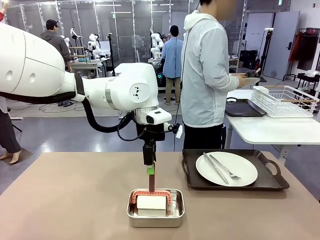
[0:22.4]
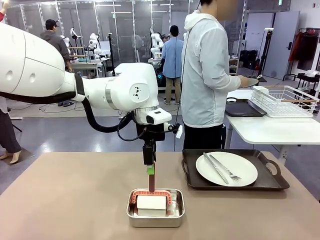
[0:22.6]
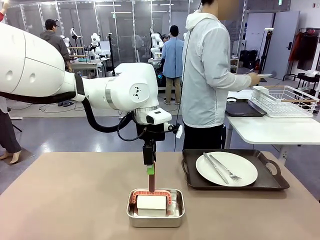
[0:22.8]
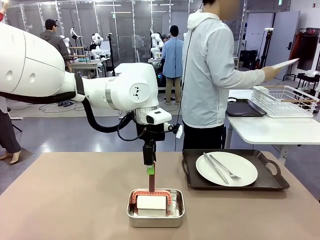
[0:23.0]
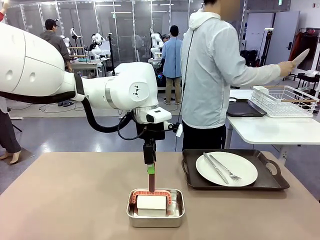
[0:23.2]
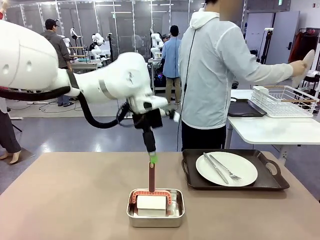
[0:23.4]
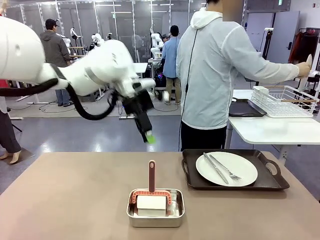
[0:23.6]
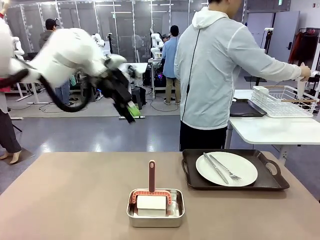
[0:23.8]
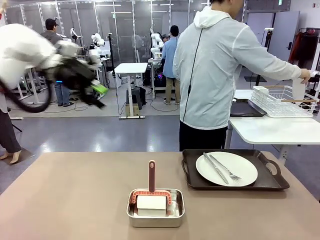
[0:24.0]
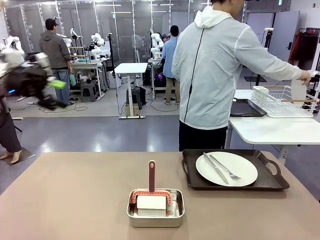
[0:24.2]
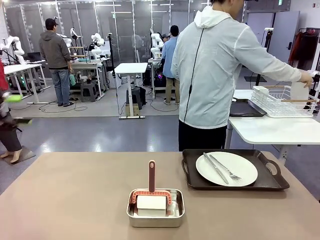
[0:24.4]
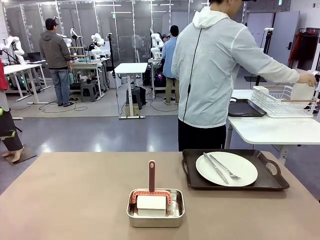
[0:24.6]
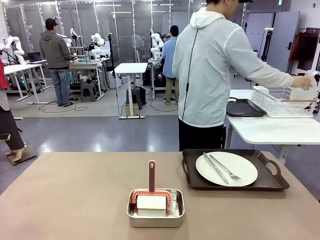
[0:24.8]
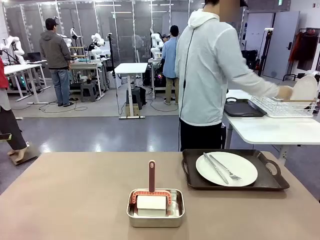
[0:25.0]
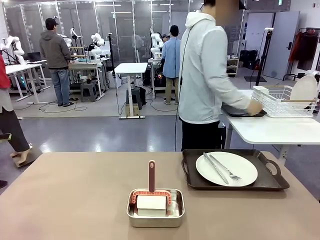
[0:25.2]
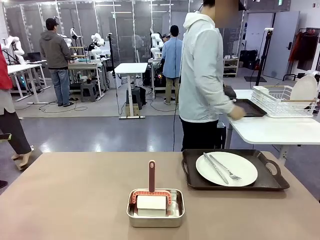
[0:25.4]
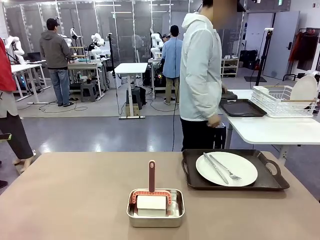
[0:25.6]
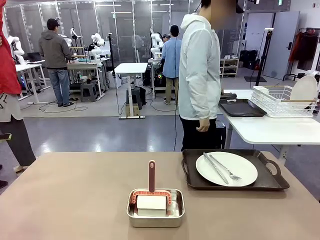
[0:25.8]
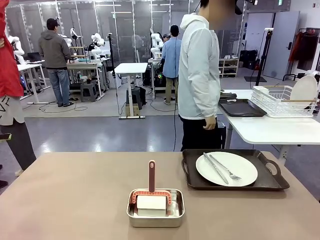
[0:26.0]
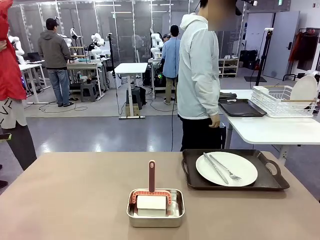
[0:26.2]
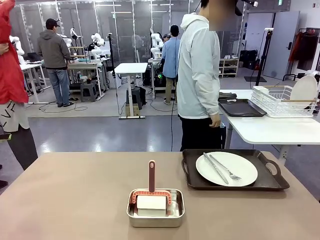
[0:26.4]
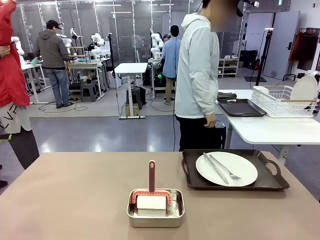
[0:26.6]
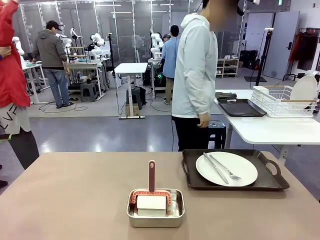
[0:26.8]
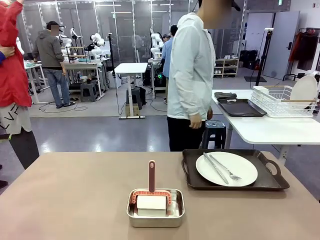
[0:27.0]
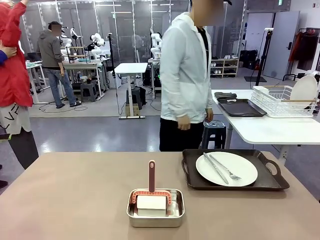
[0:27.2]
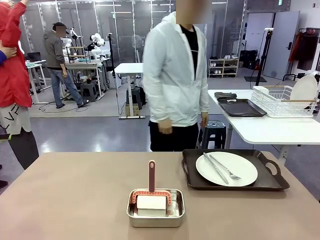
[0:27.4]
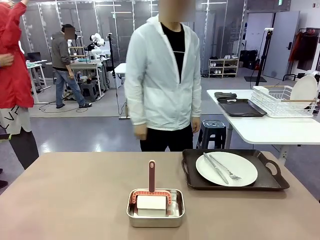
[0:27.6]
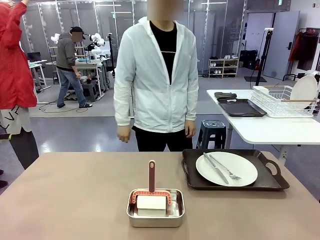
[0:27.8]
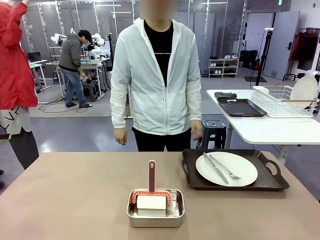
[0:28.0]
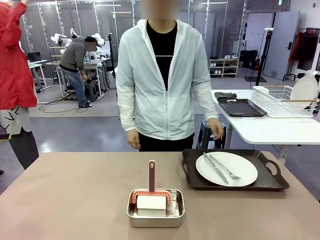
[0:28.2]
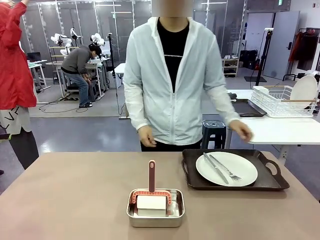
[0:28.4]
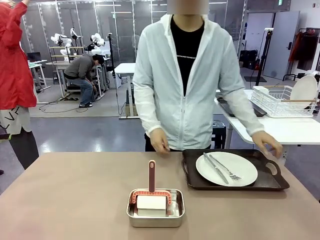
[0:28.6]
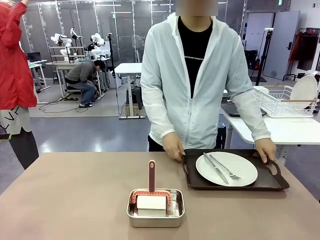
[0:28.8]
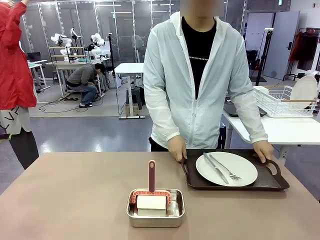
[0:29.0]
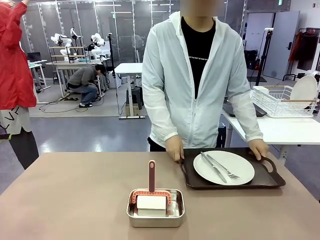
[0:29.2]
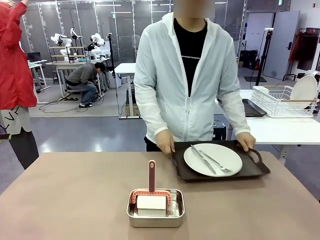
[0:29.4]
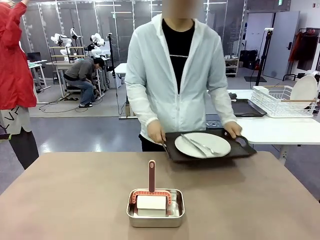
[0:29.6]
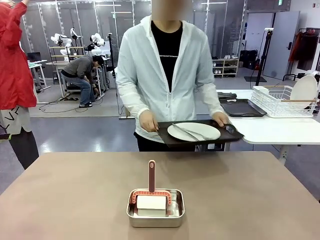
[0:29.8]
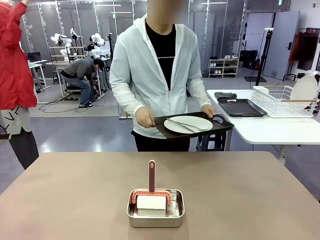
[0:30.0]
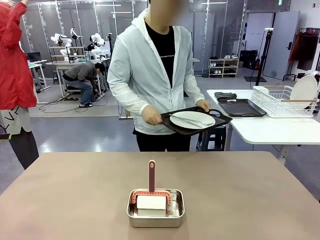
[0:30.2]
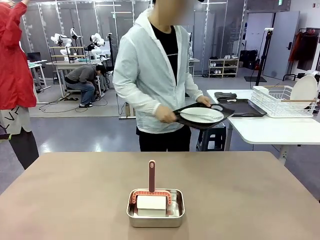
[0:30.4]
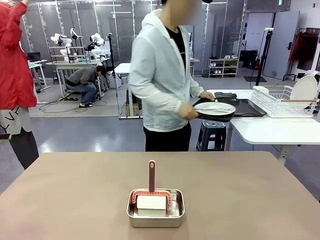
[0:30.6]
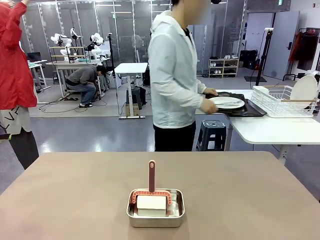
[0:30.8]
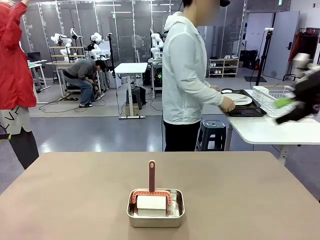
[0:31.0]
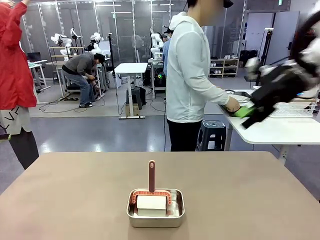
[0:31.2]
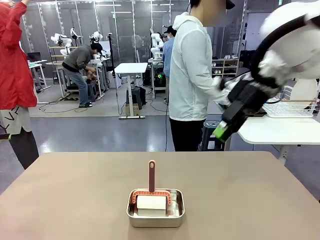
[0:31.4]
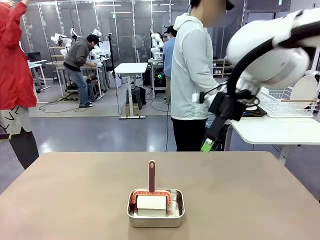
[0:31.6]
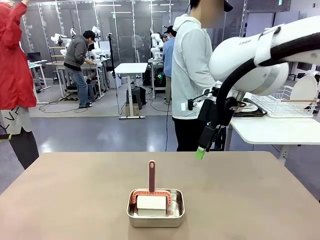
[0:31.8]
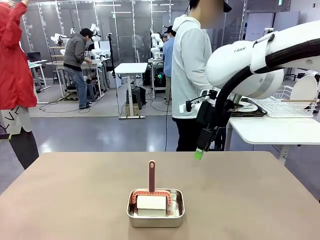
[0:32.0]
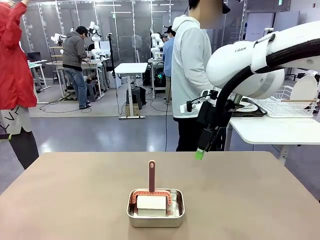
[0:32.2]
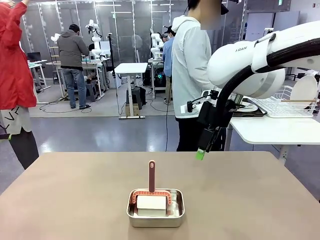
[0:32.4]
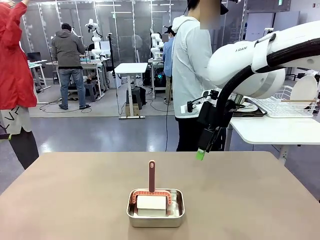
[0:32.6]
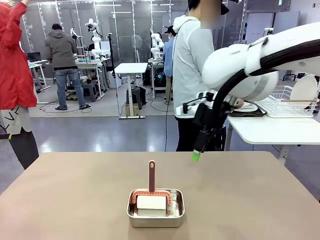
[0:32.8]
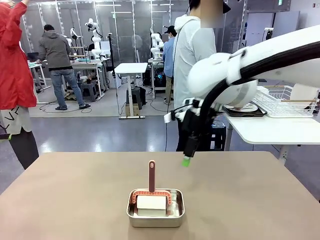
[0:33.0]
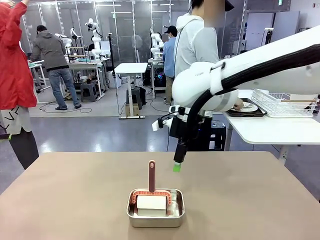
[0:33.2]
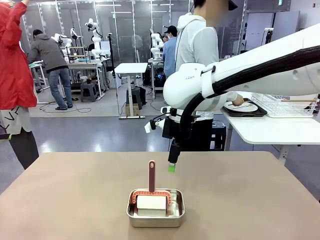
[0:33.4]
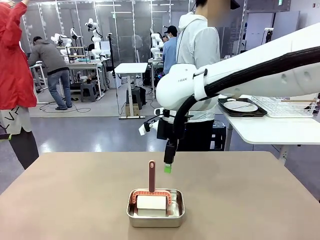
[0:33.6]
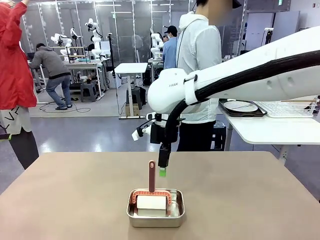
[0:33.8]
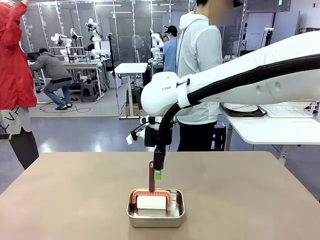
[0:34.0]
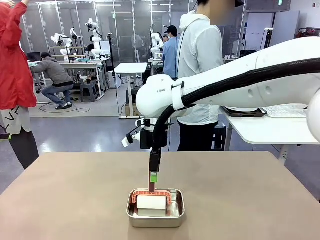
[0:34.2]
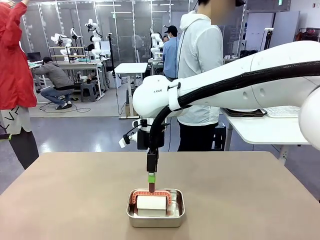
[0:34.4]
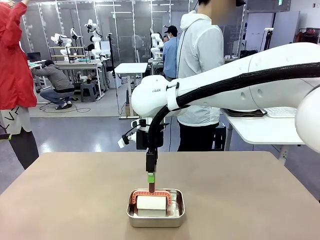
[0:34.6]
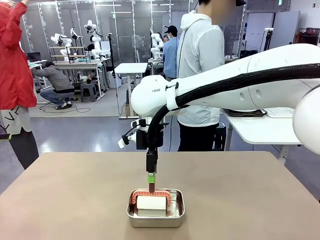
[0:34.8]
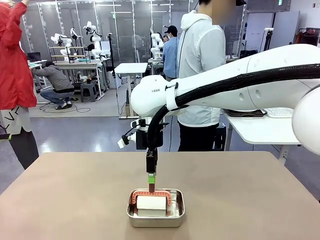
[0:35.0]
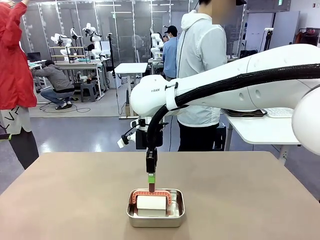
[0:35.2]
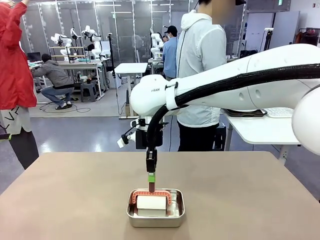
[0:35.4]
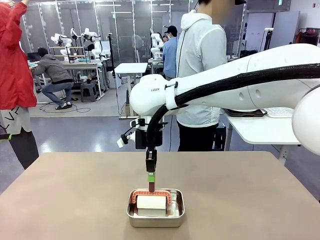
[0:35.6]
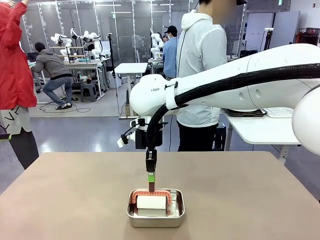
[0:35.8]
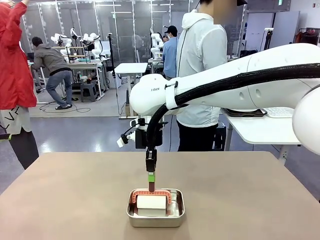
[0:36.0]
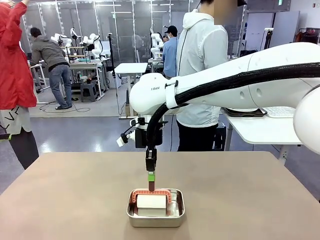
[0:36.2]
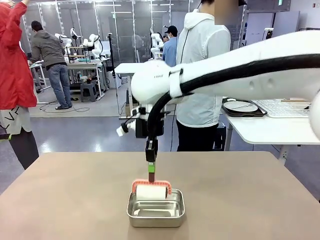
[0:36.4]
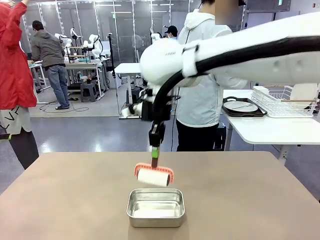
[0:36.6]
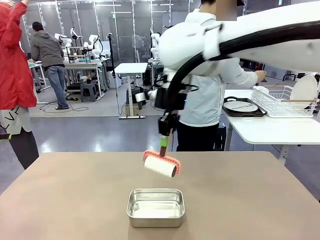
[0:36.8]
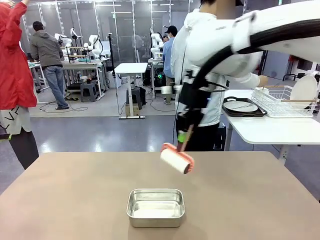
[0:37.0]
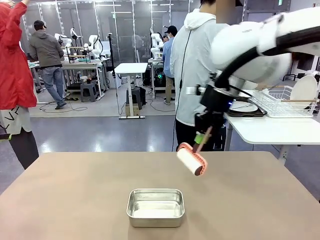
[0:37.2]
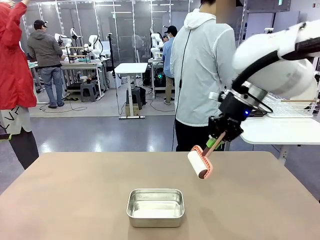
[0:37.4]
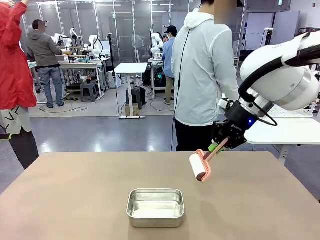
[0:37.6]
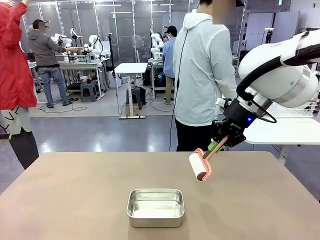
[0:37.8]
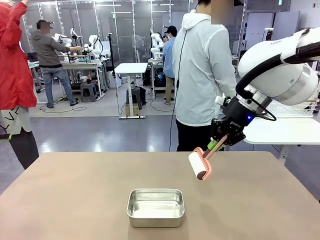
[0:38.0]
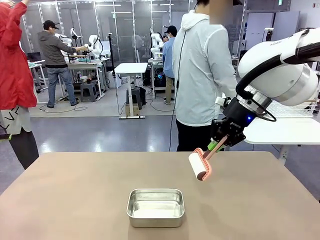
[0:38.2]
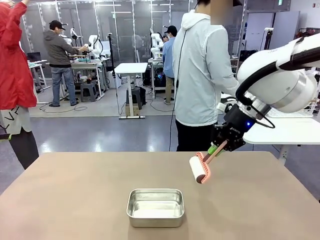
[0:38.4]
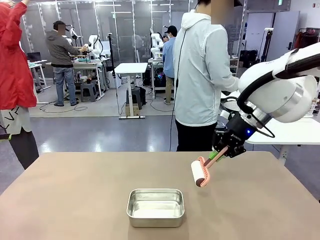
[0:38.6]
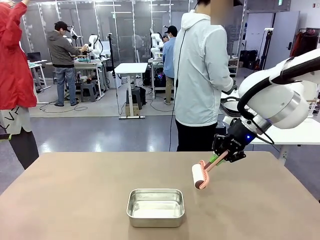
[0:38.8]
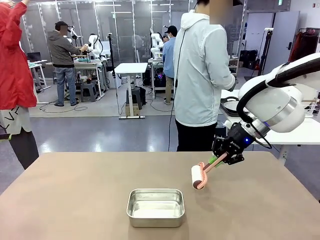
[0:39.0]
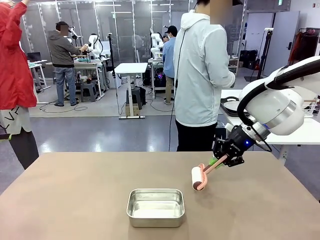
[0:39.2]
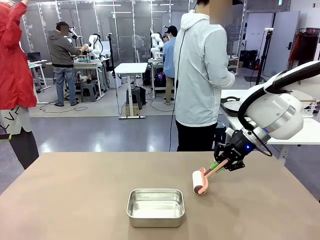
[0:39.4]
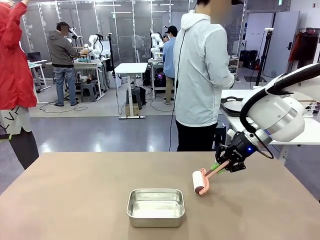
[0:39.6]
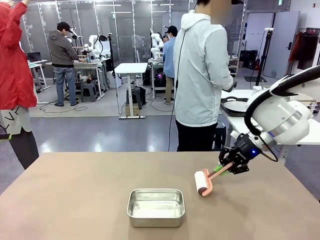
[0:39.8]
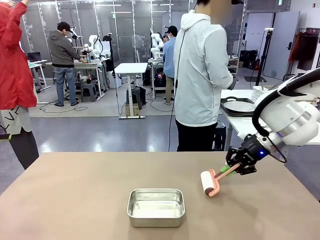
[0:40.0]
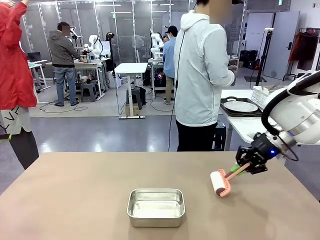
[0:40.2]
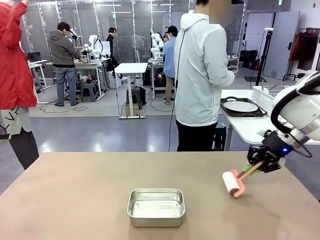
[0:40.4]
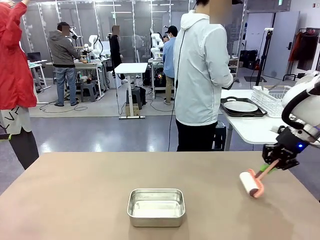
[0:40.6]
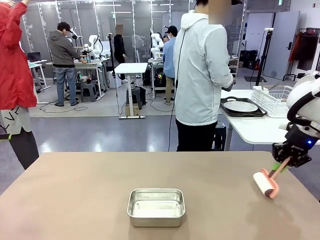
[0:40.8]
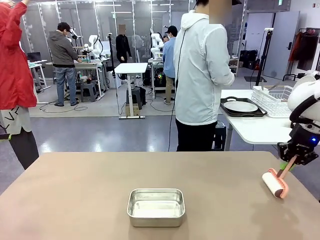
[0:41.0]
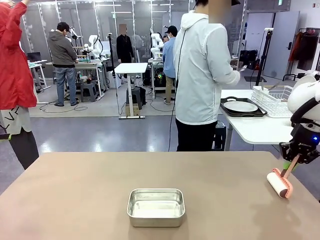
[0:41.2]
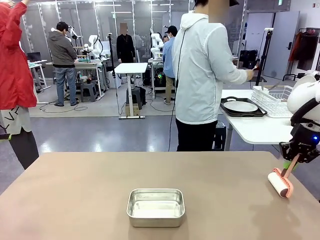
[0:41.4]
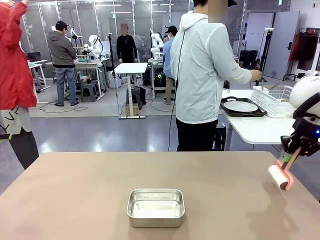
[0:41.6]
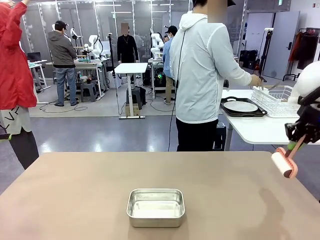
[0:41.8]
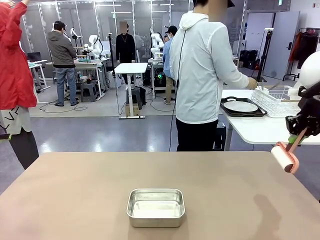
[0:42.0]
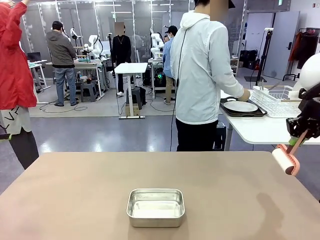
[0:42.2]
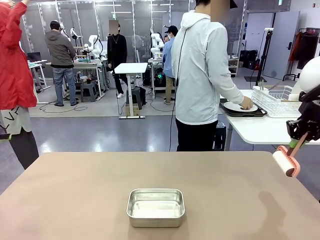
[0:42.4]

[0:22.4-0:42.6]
Robot: When the right (or left) Handle tray is removed, use the right hand (or left hand) to clean the right (or left) side of the table with the Lint Roller.
Person: Pick up the left (or right) Handle tray and place it on the Handle tray.
